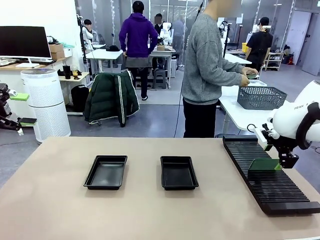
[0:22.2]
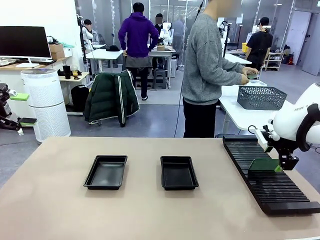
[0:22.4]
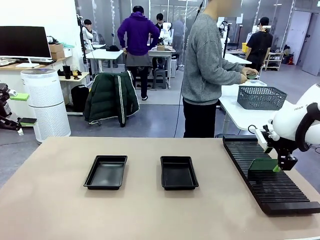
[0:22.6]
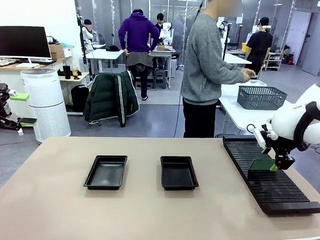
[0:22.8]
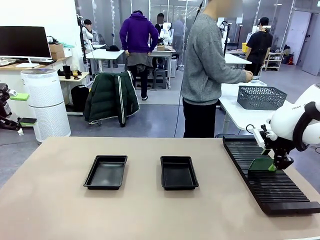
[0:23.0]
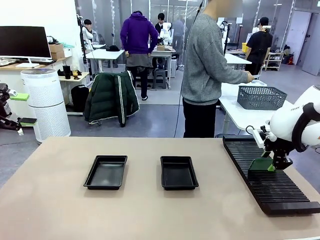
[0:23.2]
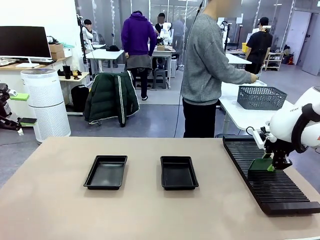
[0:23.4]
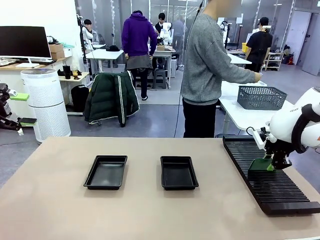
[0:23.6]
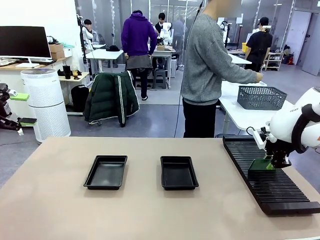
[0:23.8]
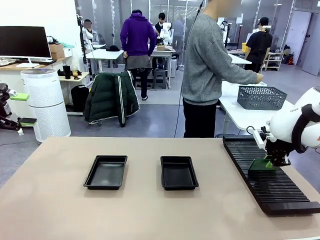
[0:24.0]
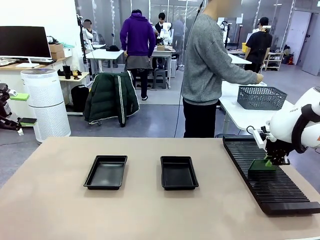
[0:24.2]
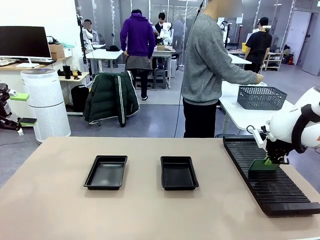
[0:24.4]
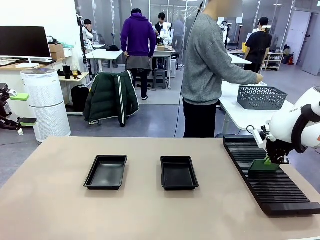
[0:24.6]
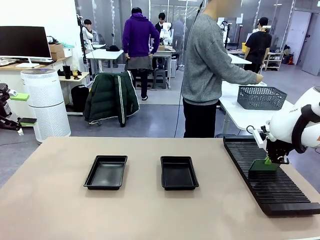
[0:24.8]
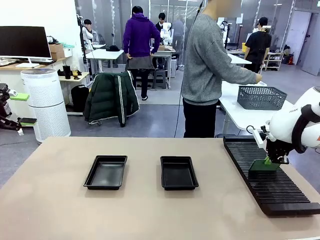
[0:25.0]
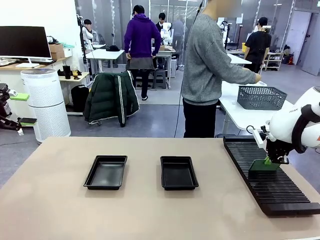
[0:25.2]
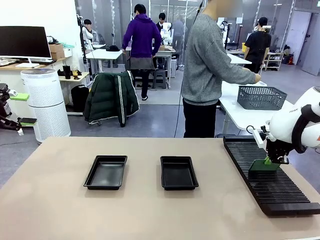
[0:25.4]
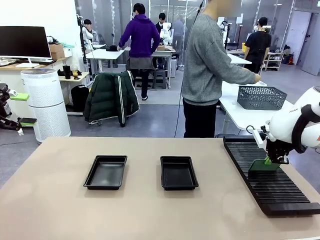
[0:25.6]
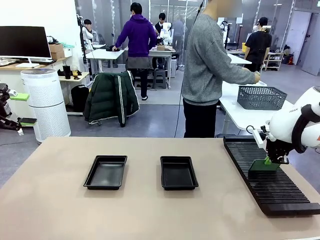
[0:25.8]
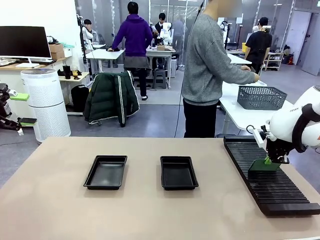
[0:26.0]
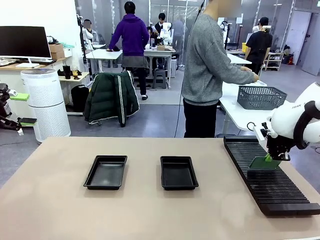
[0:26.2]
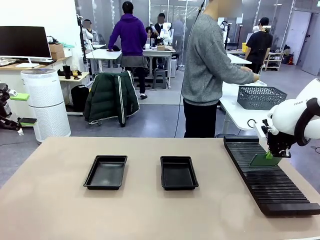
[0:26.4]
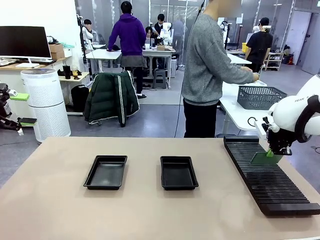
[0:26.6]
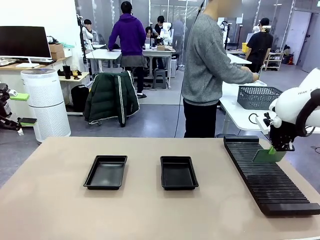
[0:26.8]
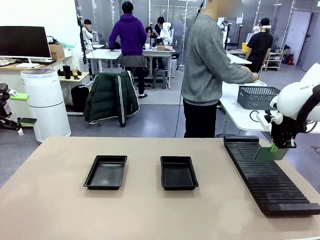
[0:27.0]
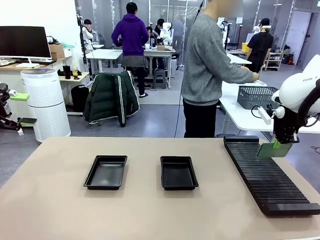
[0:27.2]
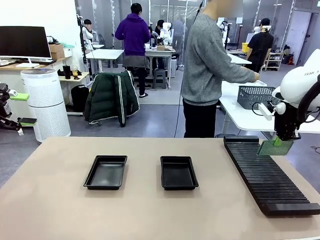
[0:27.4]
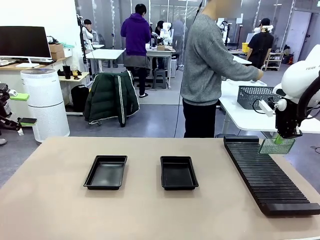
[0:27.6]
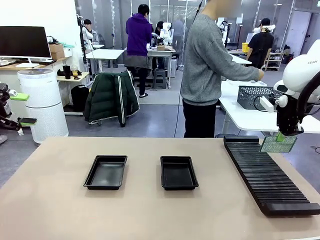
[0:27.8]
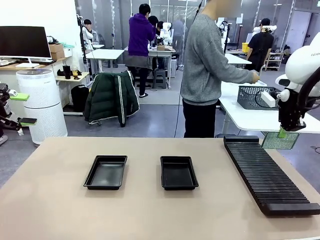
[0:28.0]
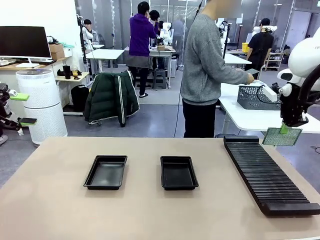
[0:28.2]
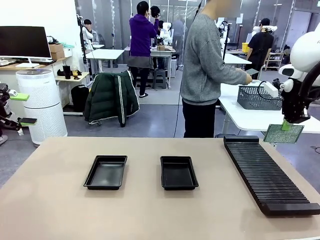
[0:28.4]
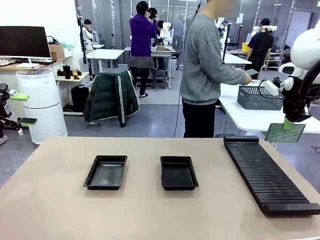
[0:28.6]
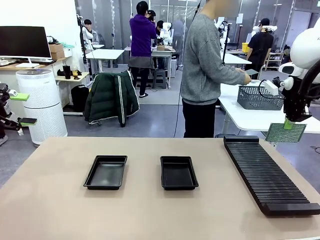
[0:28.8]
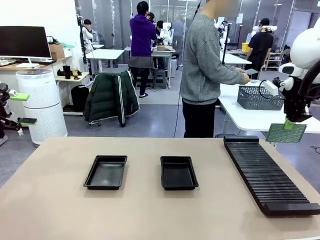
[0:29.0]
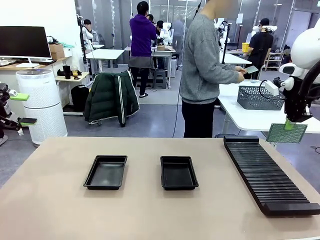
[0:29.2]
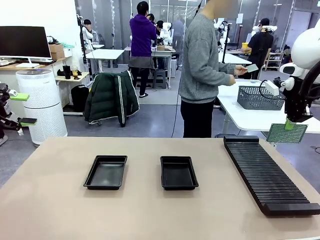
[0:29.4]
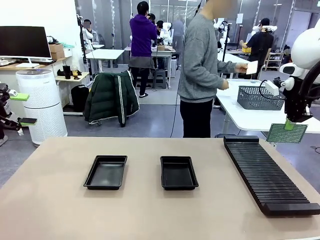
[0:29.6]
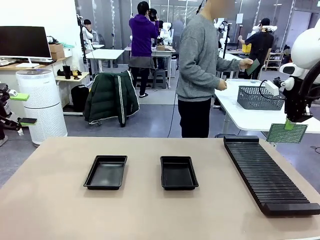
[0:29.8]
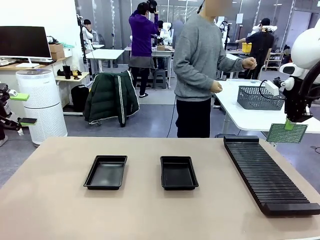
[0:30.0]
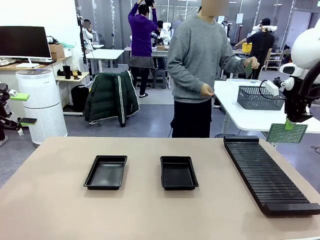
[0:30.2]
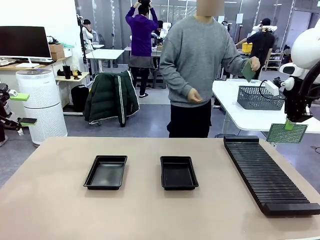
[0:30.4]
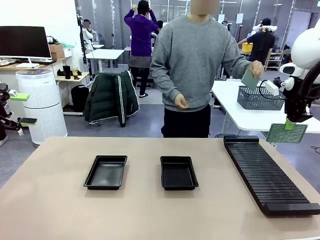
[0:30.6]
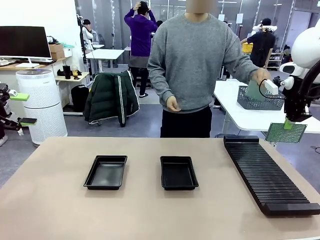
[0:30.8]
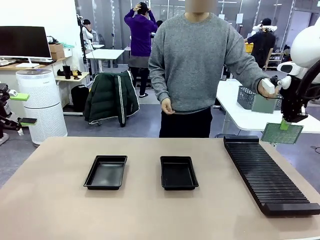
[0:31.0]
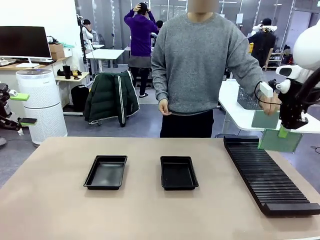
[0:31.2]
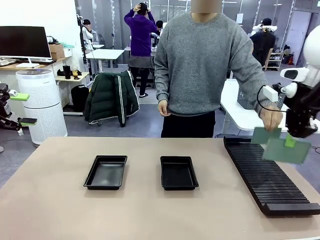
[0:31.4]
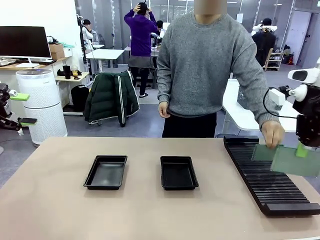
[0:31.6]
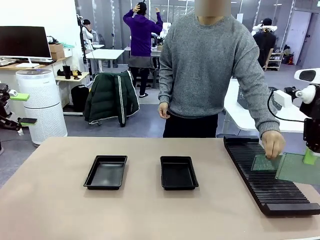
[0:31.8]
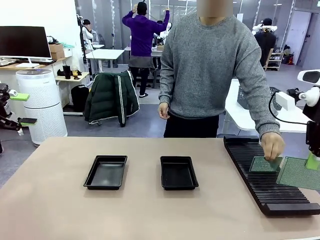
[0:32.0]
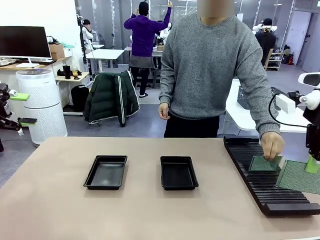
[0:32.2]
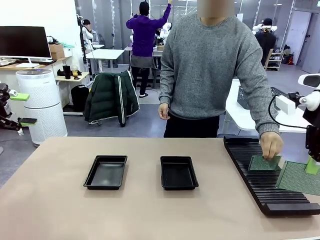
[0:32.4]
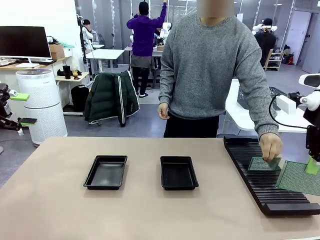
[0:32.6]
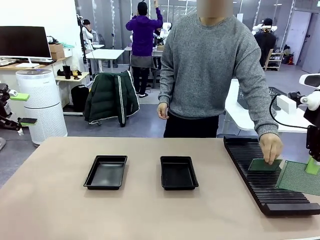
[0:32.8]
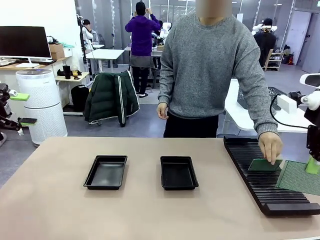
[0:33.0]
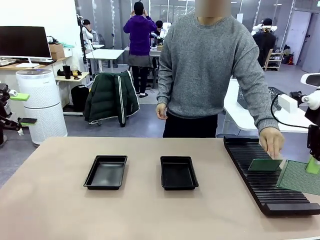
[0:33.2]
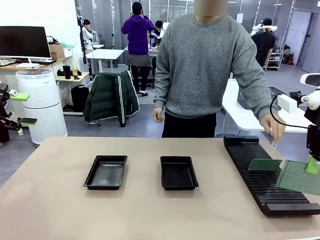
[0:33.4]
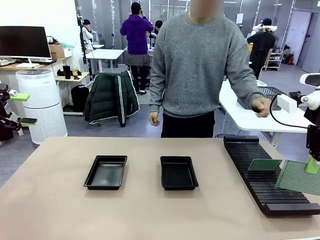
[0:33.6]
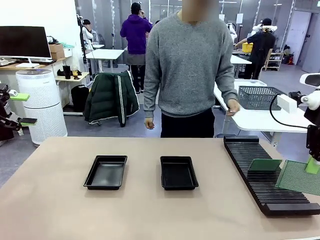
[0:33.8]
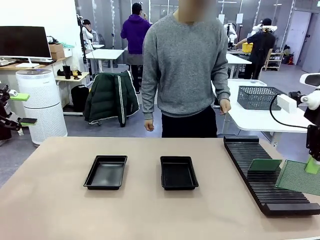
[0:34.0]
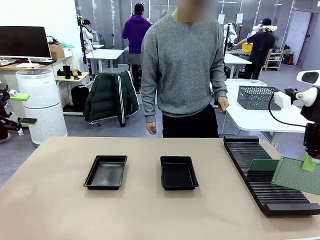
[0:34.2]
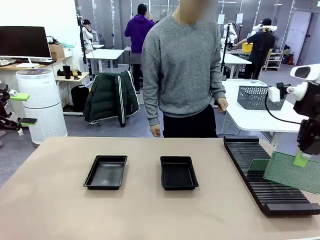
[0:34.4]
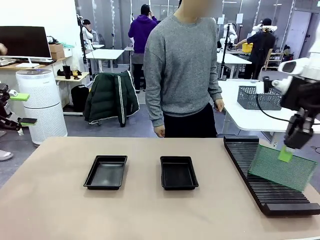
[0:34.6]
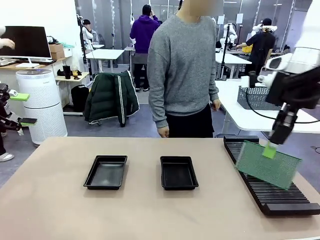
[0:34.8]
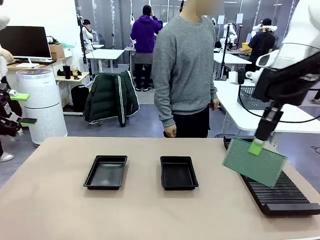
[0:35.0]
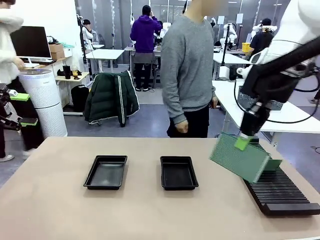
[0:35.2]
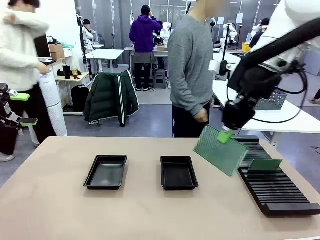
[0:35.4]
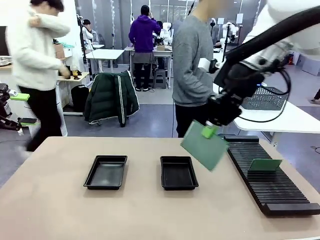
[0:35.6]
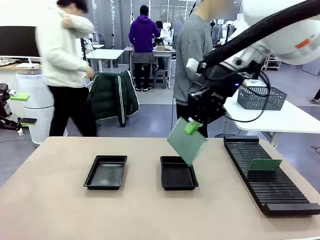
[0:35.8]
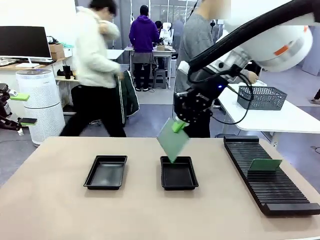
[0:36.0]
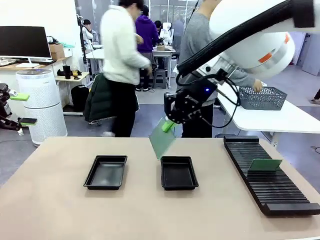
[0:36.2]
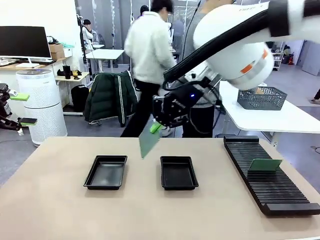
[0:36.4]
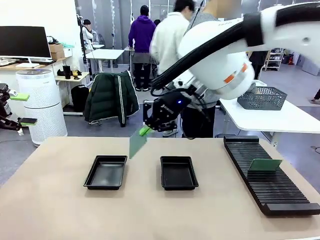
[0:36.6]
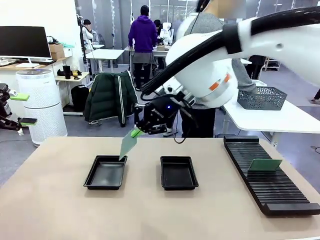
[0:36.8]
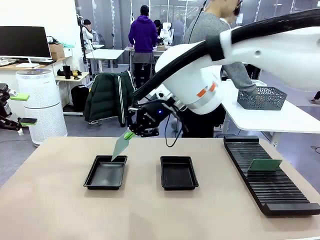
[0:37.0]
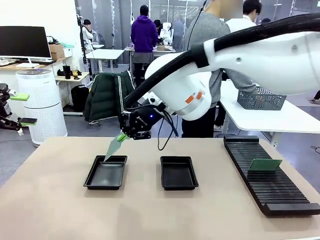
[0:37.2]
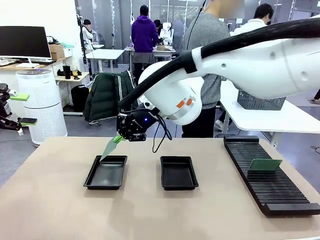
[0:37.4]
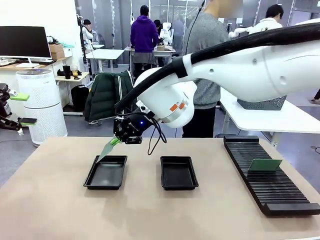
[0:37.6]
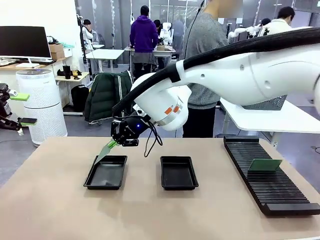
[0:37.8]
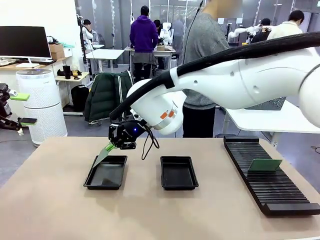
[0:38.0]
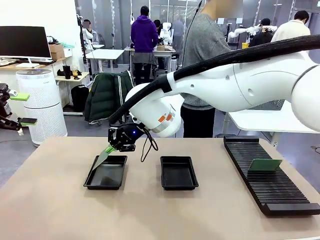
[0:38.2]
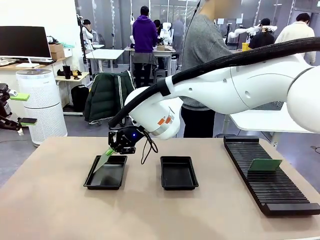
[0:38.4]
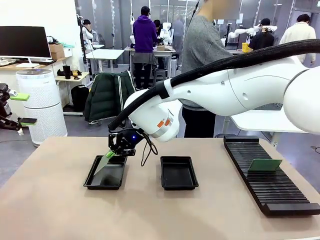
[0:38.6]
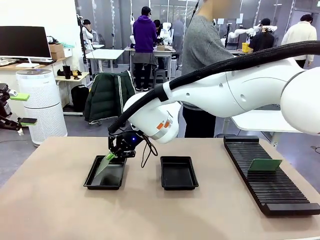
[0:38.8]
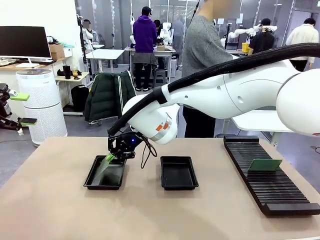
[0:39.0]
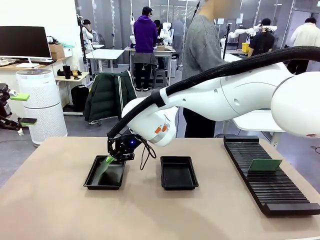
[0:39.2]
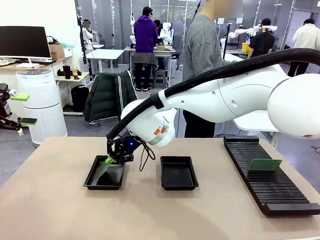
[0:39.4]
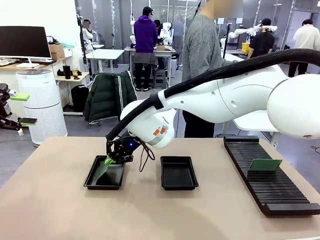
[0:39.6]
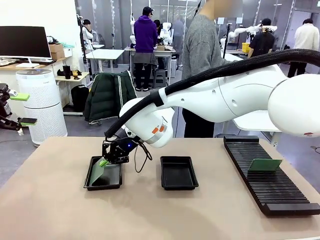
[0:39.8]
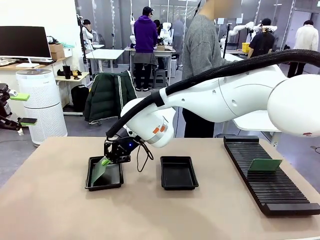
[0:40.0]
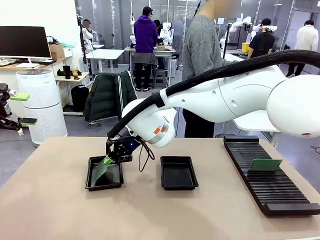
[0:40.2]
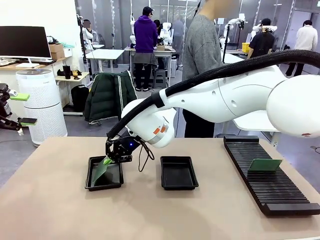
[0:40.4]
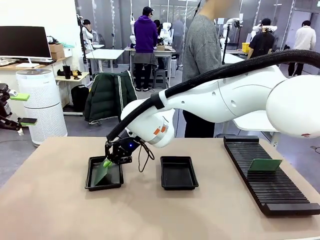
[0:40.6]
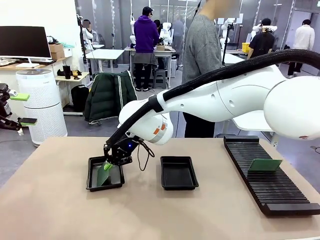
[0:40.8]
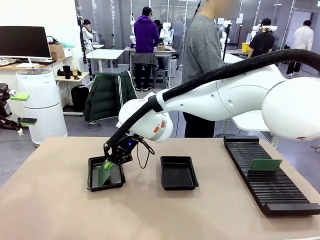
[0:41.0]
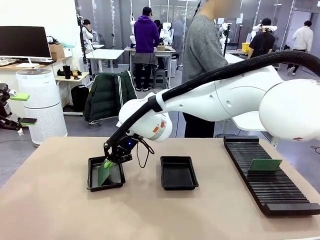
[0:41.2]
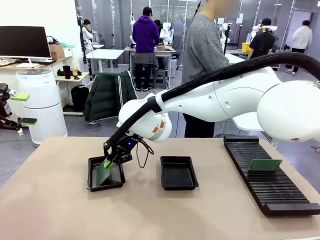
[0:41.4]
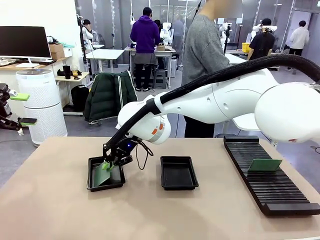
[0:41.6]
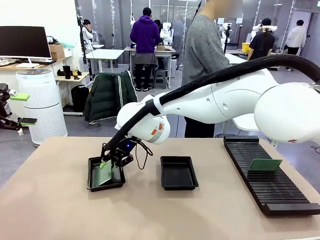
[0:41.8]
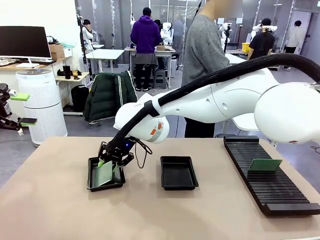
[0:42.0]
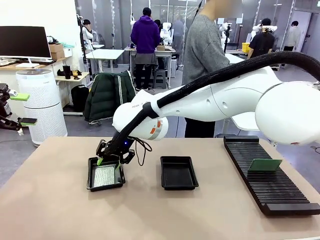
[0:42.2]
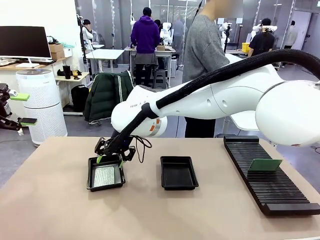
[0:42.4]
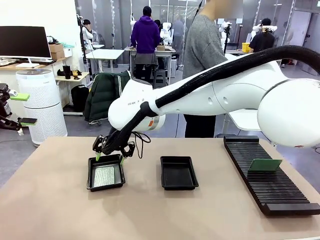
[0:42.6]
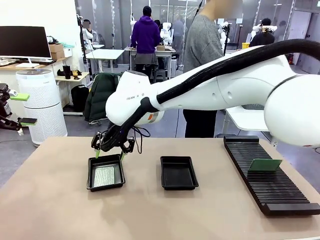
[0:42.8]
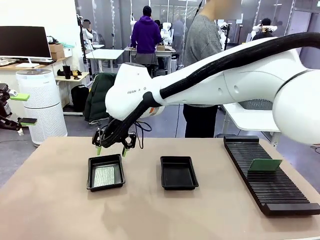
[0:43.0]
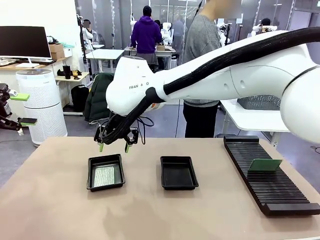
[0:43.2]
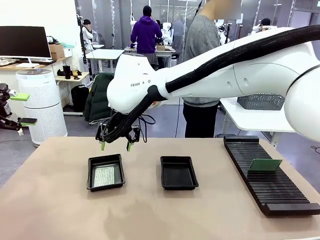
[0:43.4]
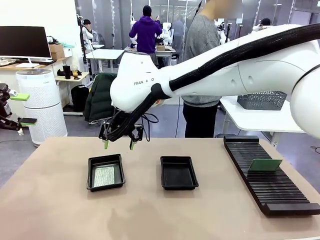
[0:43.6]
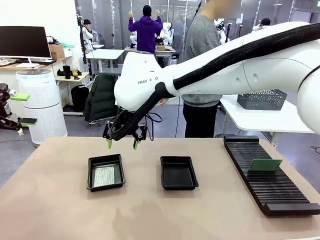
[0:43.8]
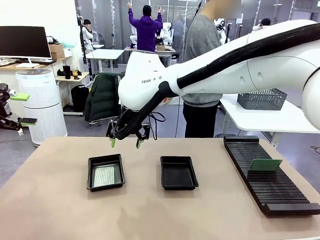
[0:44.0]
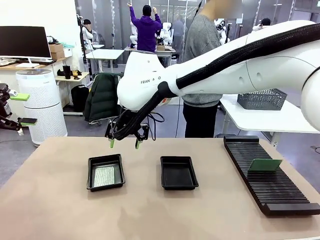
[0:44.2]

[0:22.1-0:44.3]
Task: Inspect and transfer BCBs to ESD trays.
Robot: Pick up the Blank PCB from the PCB Rack and place it in the left ESD tray.
